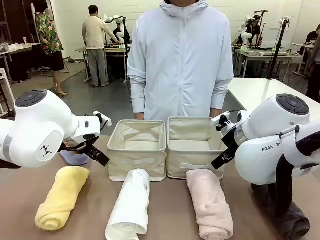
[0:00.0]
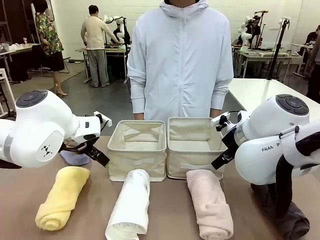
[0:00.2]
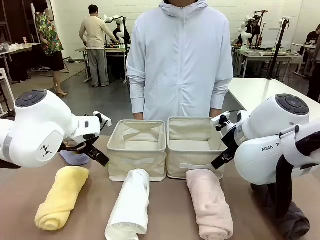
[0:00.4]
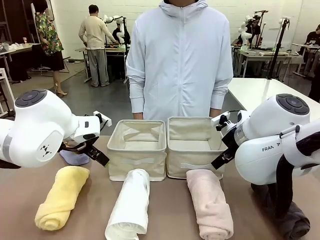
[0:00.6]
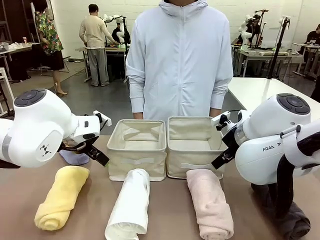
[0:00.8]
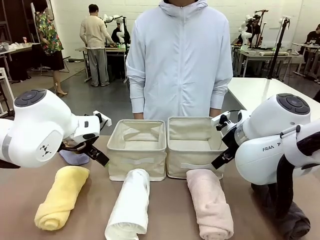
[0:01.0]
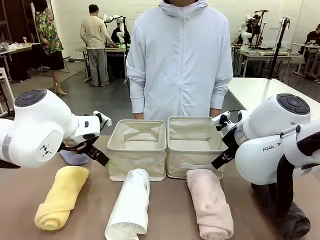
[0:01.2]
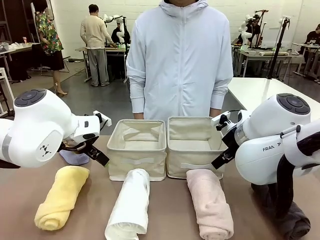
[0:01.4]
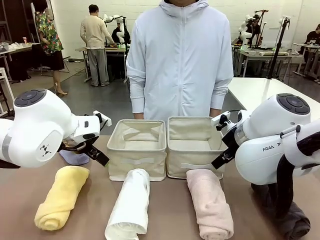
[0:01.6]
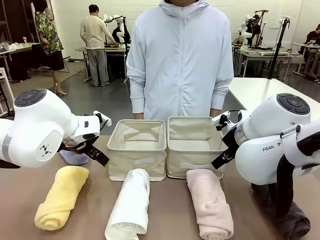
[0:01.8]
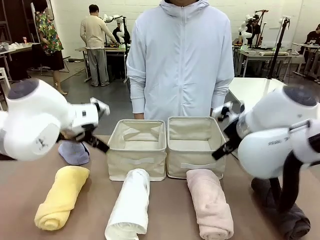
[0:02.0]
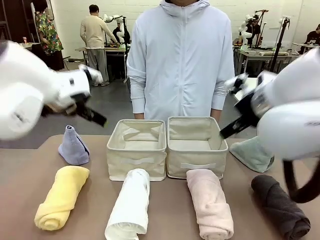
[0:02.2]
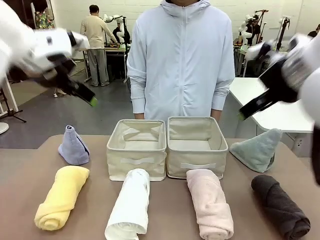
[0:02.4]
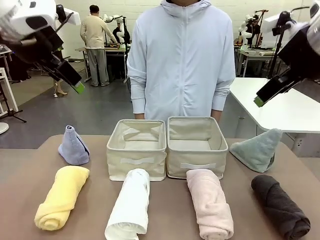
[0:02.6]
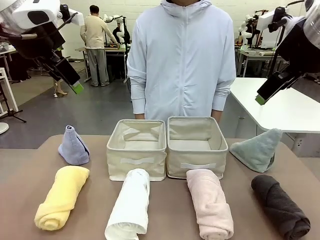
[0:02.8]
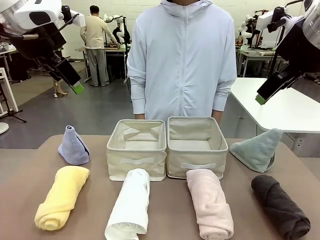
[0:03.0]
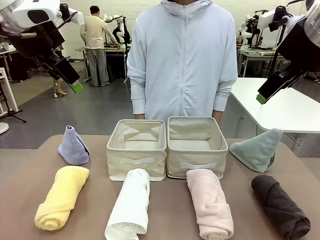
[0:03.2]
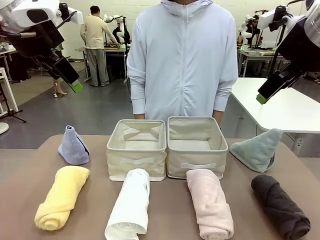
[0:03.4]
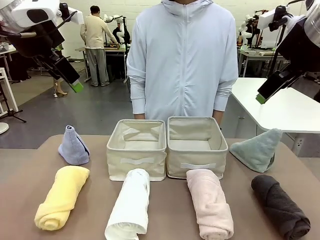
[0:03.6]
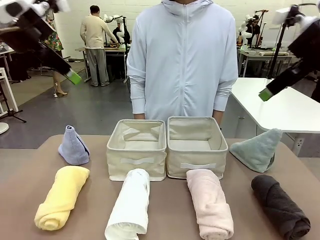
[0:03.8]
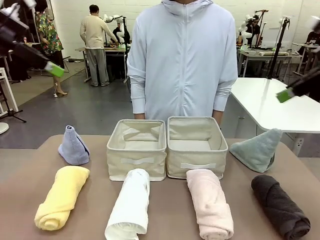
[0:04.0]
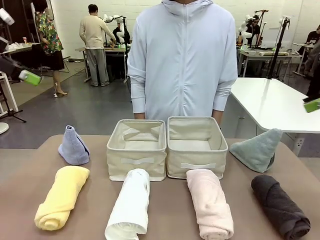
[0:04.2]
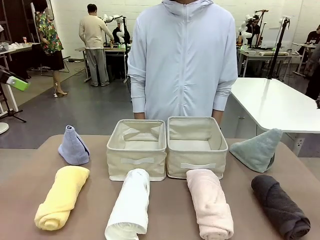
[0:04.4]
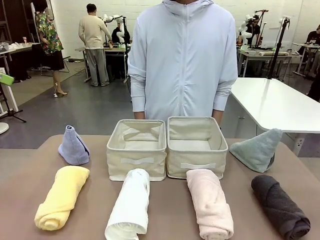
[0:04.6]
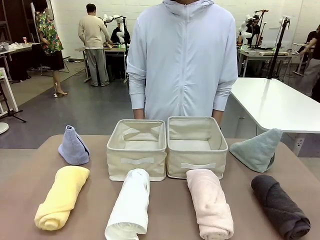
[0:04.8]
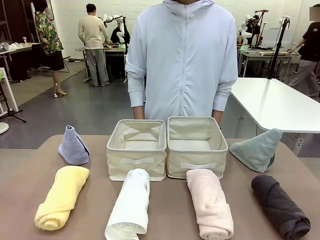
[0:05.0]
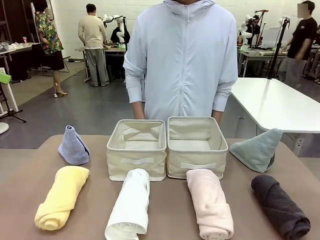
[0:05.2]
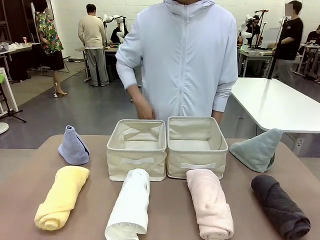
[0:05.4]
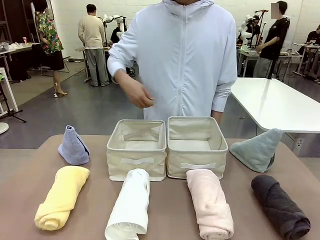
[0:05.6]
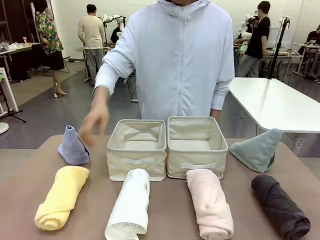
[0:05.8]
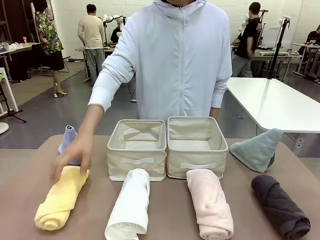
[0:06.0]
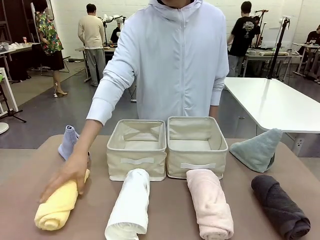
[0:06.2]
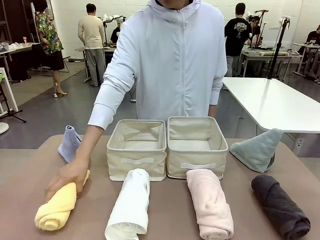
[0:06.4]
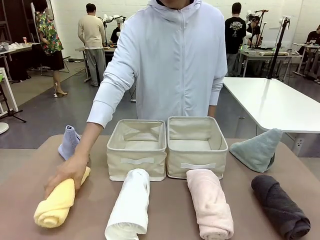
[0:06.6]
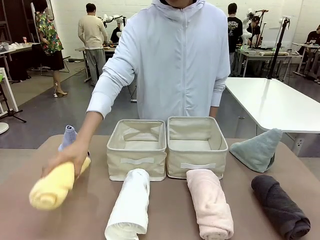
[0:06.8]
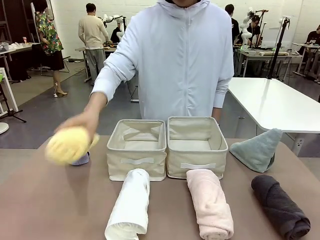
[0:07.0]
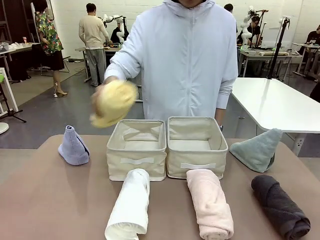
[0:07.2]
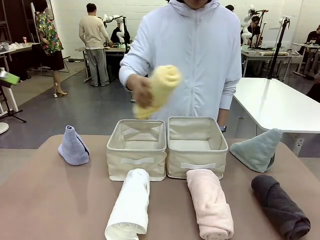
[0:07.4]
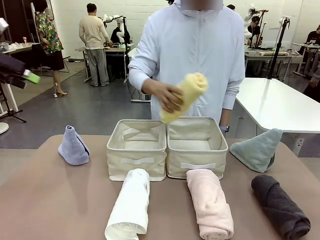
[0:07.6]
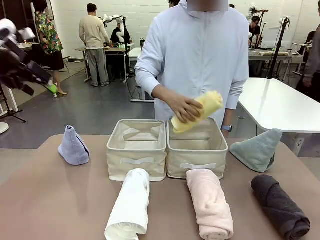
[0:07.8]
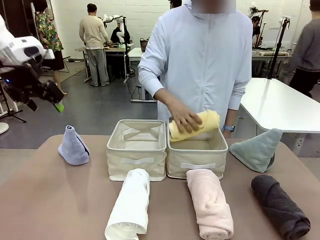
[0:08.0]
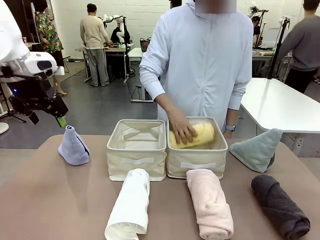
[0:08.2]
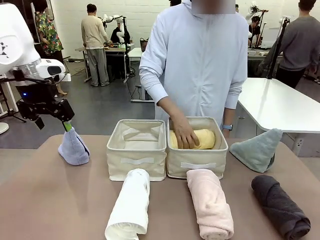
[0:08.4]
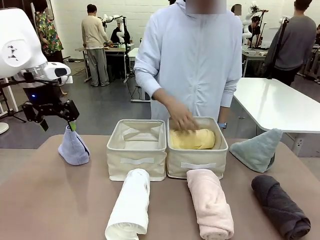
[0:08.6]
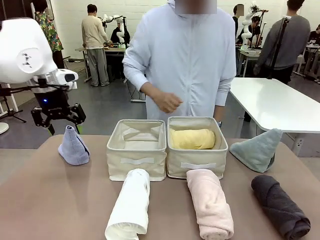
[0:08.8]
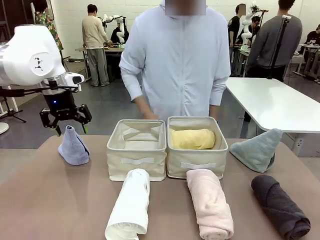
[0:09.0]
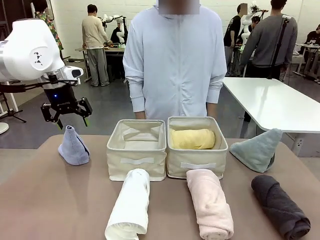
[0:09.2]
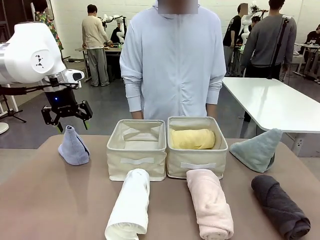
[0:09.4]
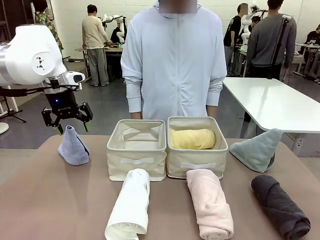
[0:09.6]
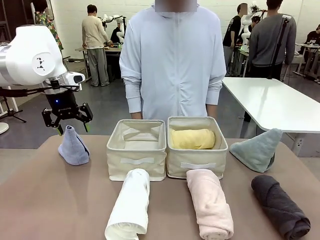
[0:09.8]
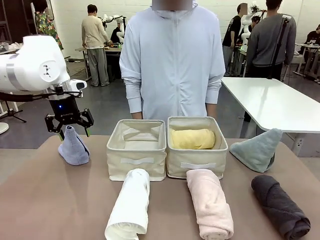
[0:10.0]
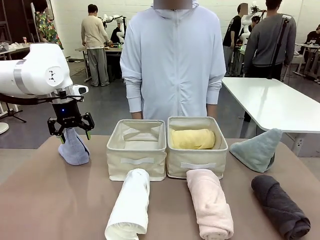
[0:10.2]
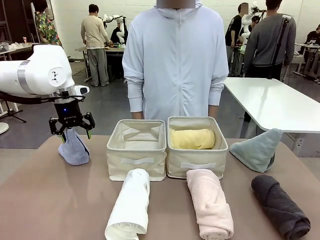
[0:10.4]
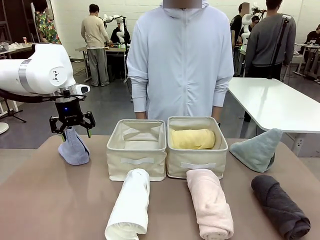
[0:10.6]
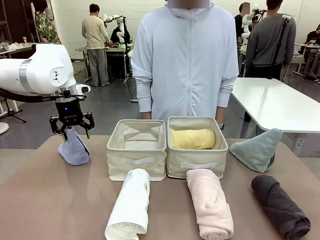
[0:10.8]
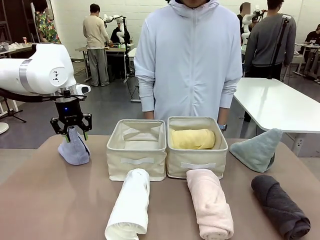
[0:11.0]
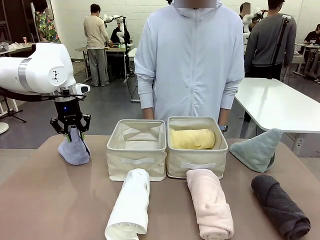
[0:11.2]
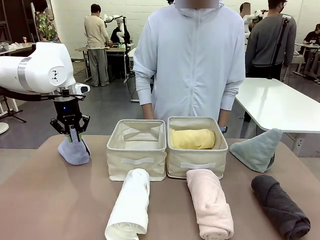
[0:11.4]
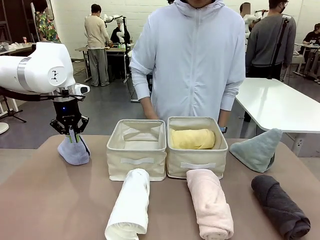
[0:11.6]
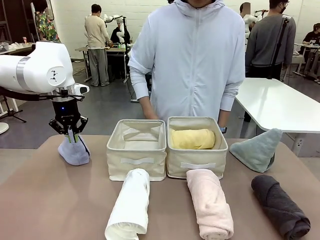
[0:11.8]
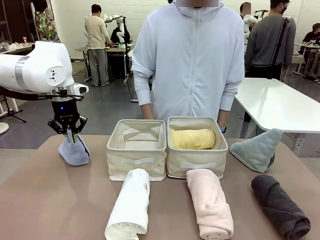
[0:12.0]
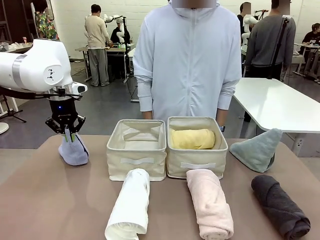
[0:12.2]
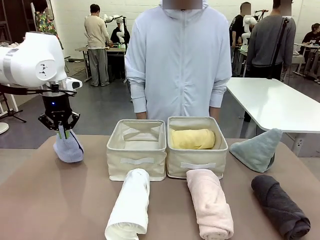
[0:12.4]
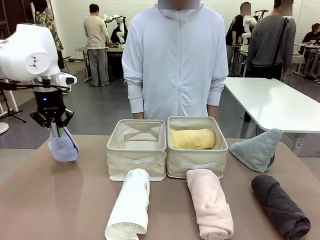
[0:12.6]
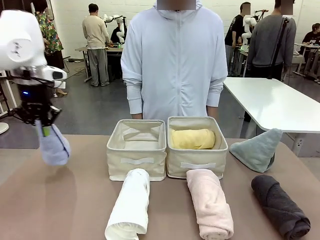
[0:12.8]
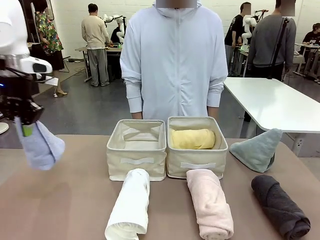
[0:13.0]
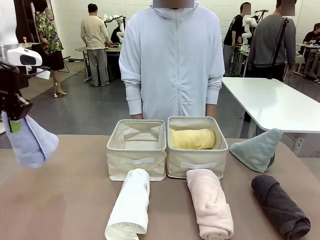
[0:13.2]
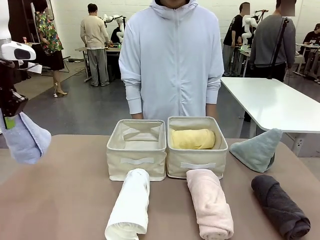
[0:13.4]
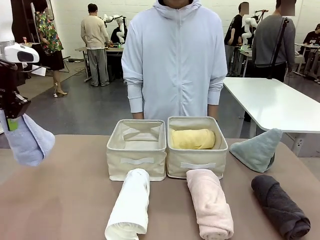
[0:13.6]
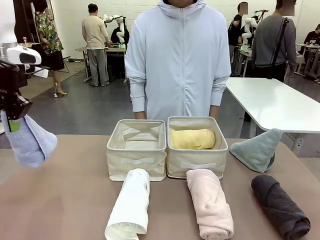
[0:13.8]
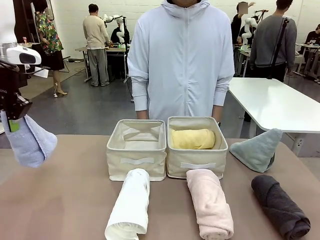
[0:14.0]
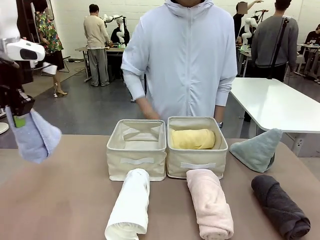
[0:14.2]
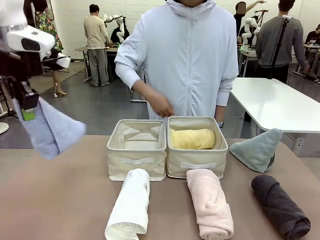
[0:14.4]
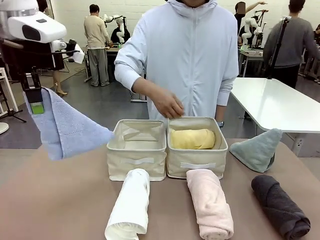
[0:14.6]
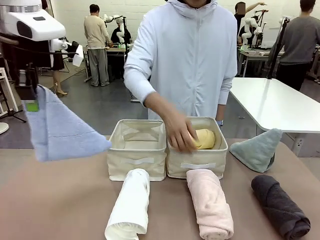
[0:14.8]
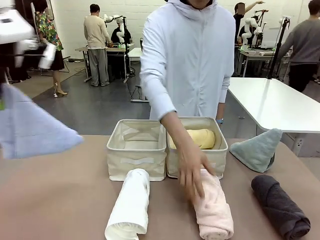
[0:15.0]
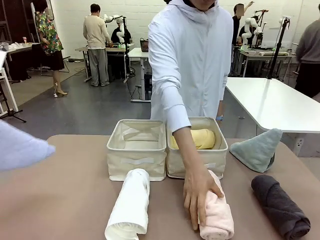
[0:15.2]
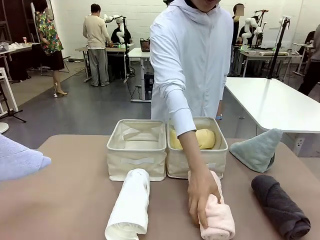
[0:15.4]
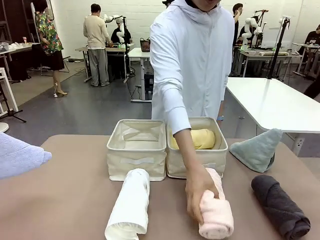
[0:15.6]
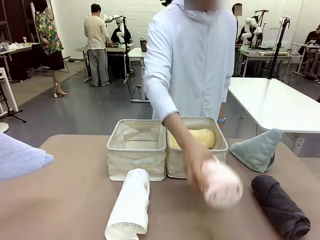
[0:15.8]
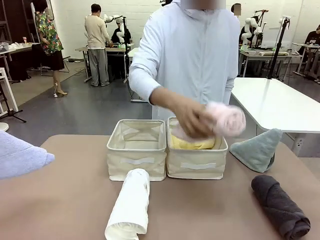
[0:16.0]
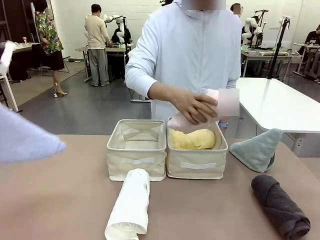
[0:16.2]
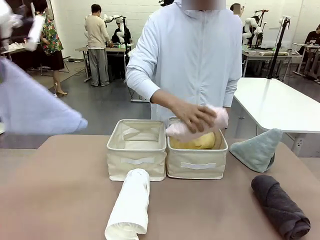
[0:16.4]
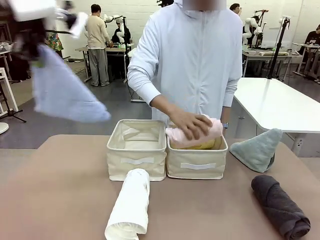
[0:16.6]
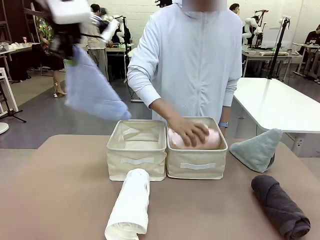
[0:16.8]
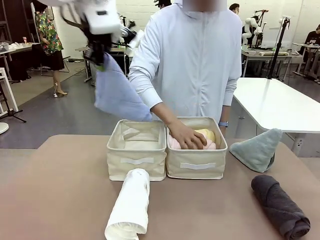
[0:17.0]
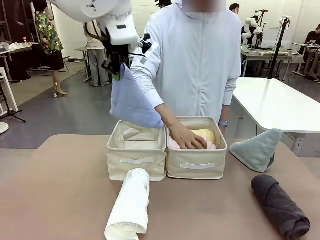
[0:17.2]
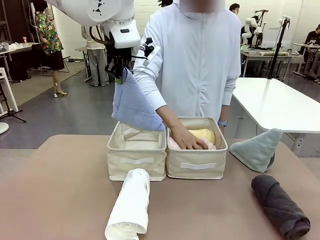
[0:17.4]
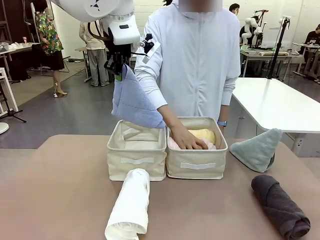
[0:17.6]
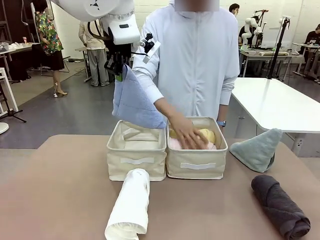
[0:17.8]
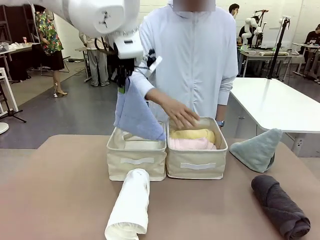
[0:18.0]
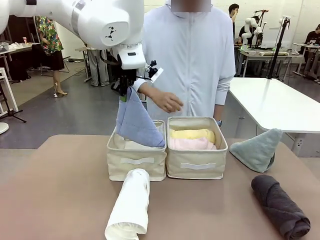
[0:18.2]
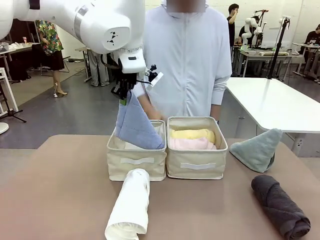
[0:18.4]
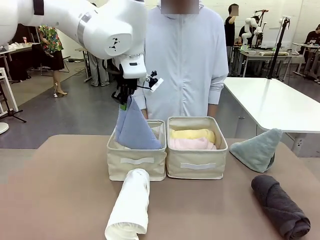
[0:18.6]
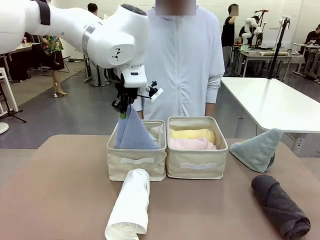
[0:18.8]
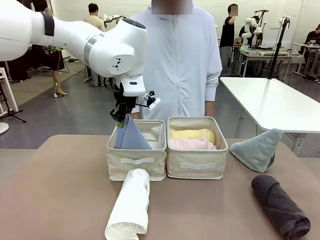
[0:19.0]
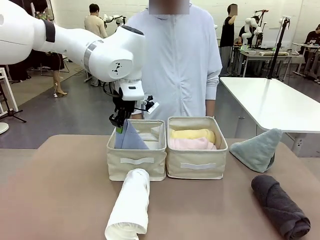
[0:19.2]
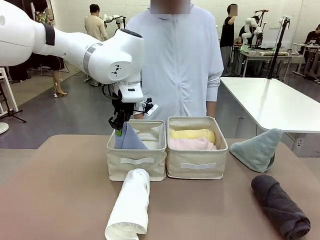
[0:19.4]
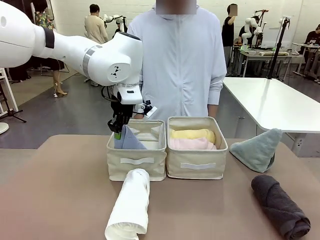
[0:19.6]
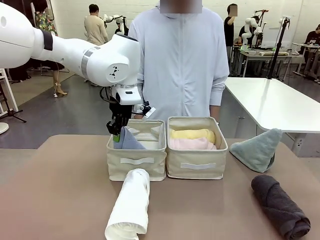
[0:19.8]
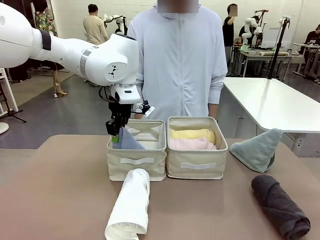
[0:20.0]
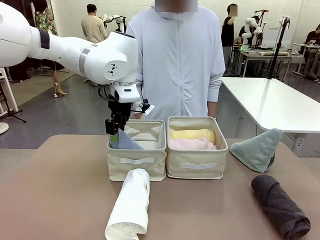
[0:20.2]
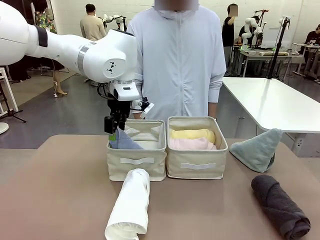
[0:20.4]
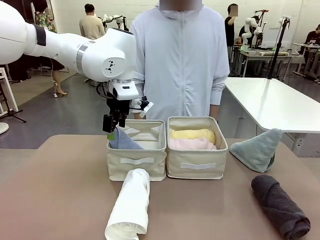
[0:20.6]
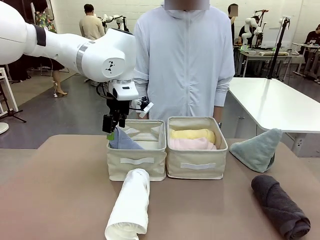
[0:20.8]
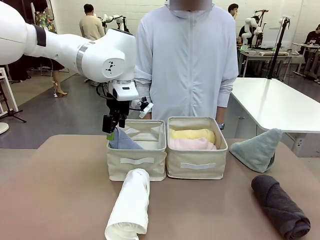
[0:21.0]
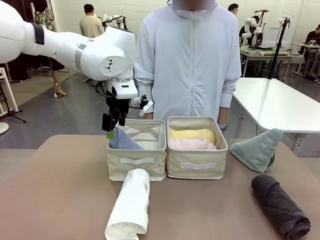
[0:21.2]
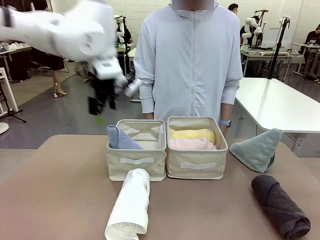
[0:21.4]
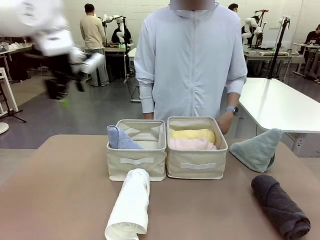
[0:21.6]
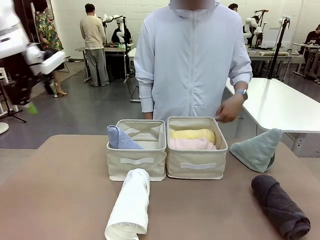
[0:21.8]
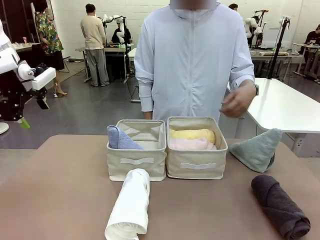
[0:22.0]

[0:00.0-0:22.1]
Task: Sort the towels based on their folding style.
Robot: Pick up one triangle-folded towel and place it in the left Fabric basket.
Person: Pick up one hotel-style rolled towel and place it in the left fabric basket.
